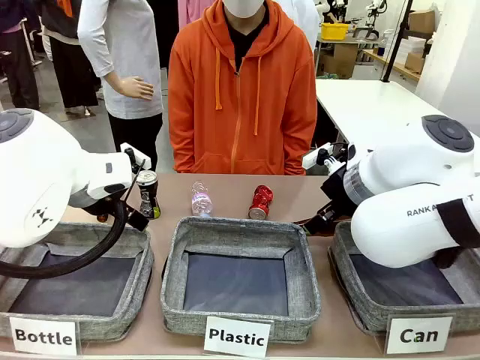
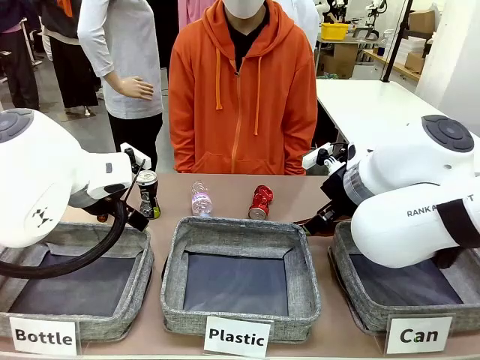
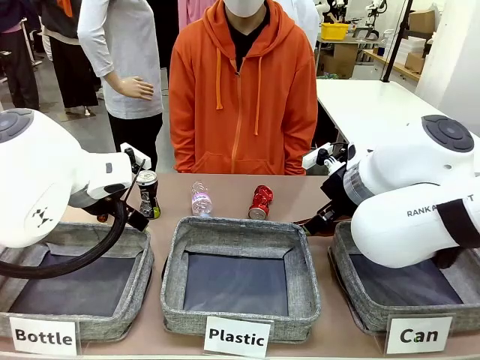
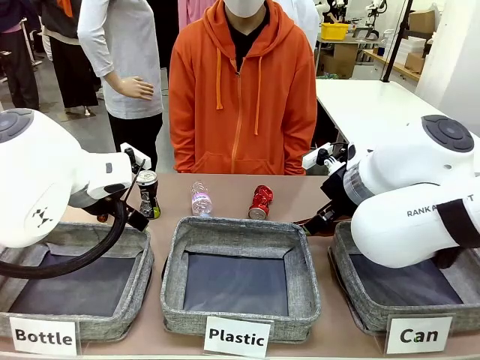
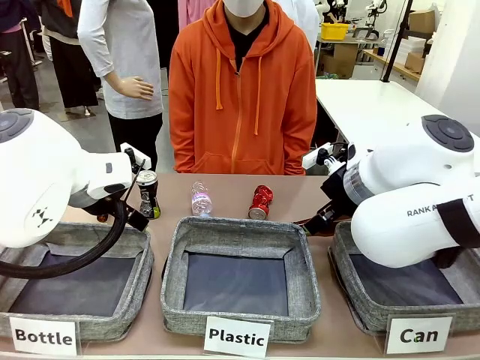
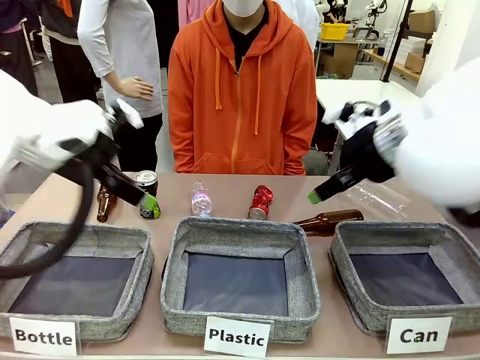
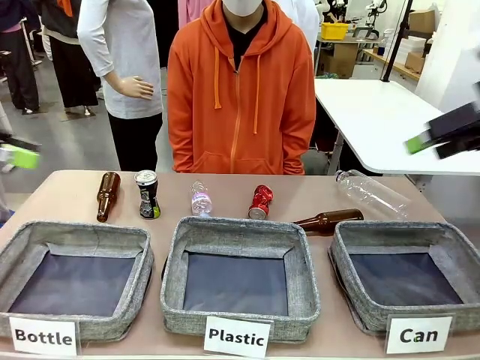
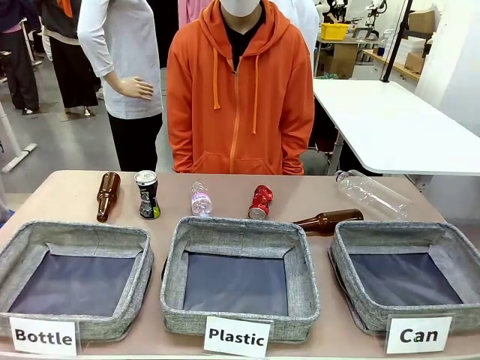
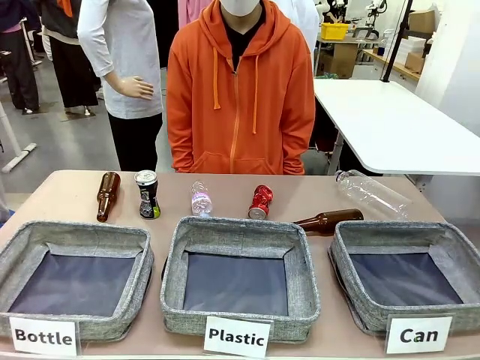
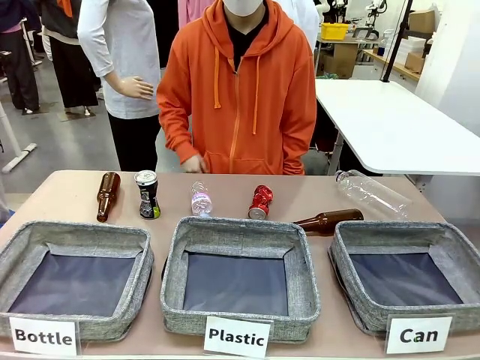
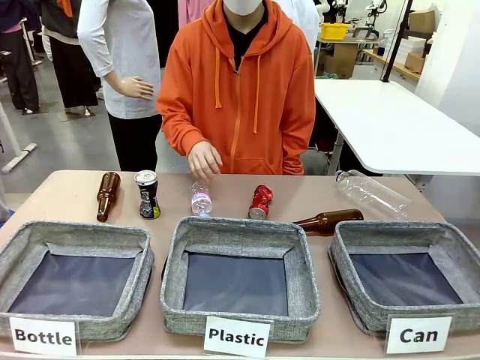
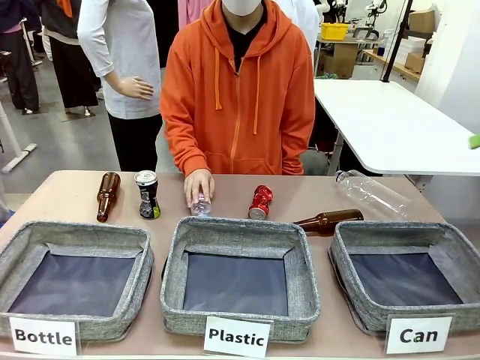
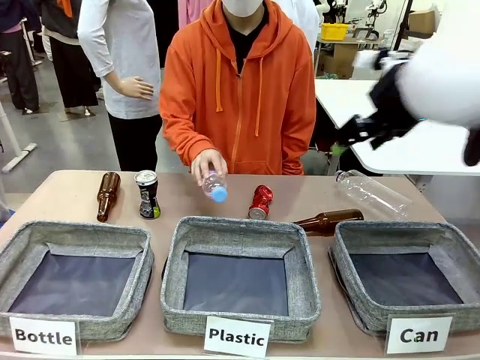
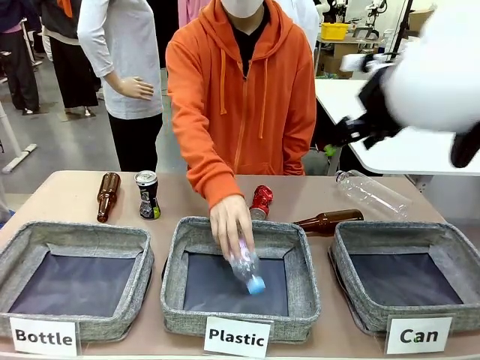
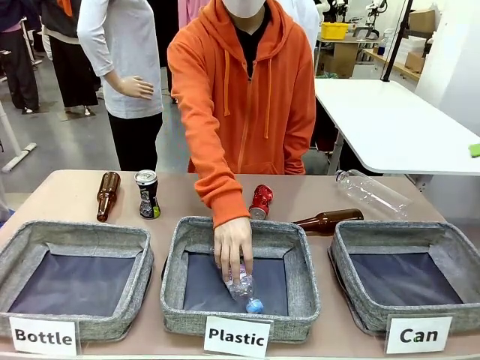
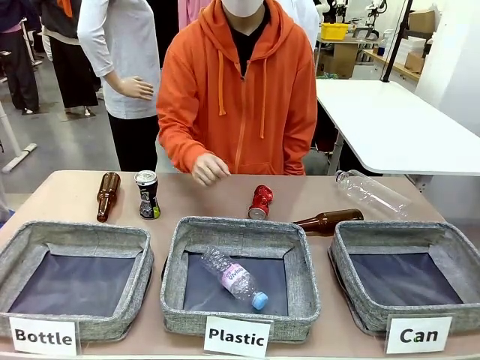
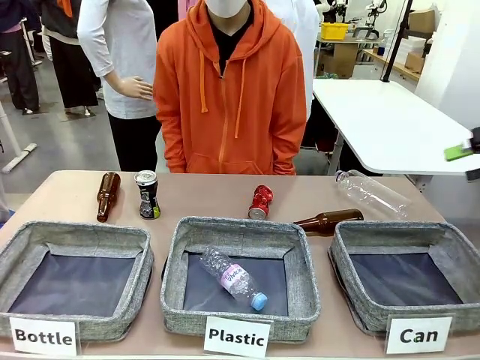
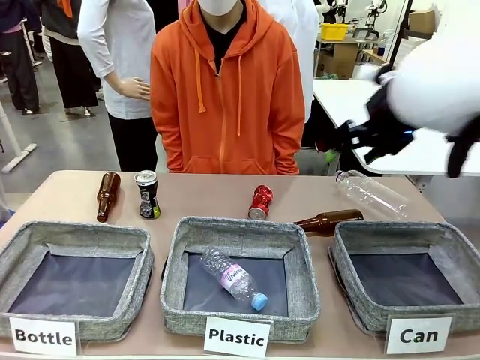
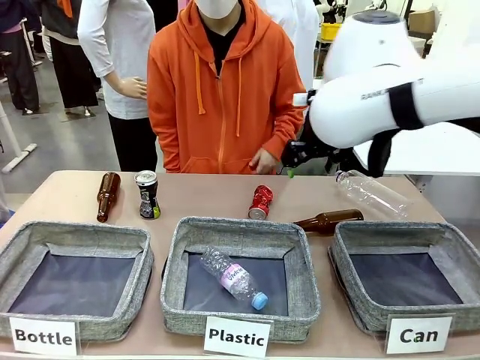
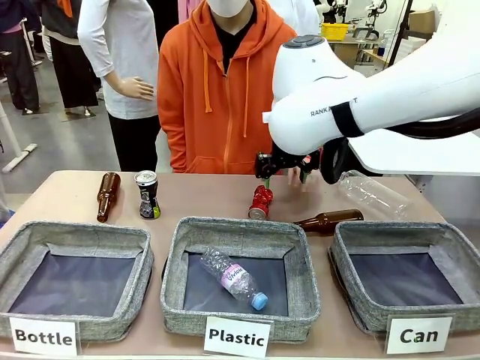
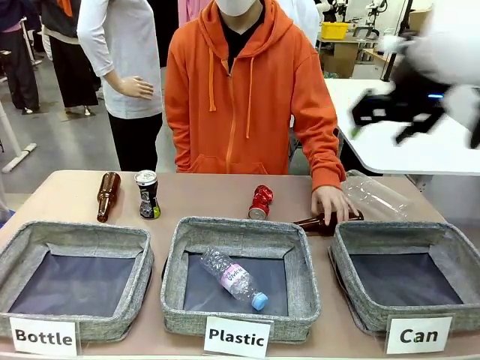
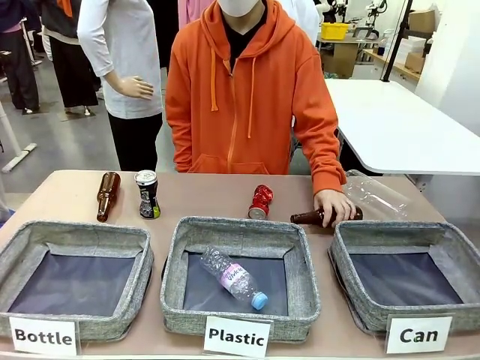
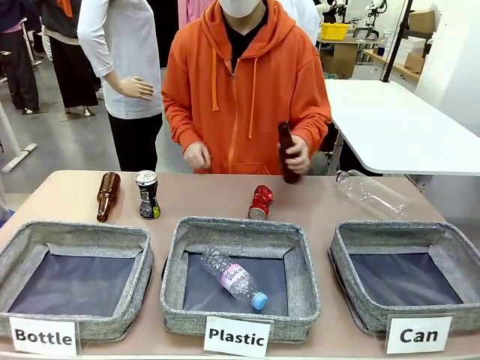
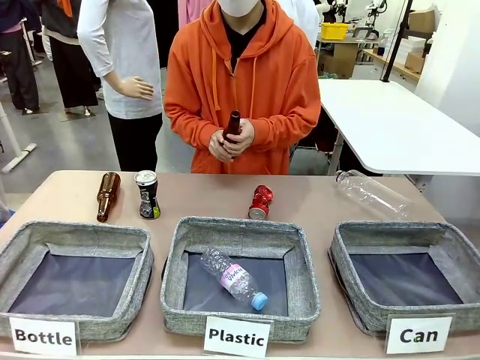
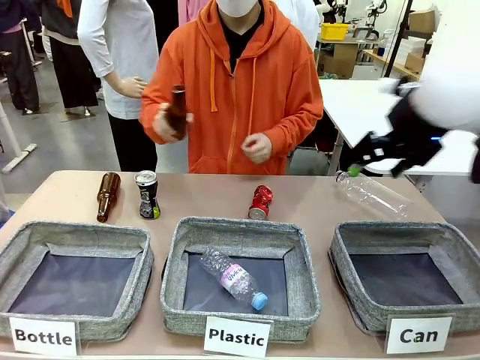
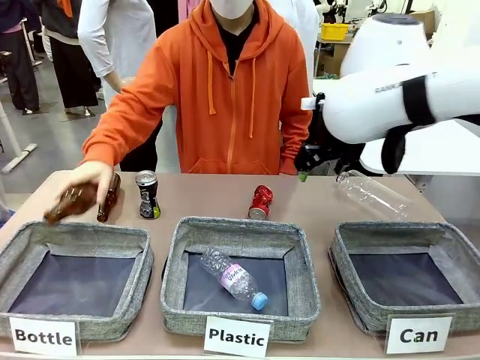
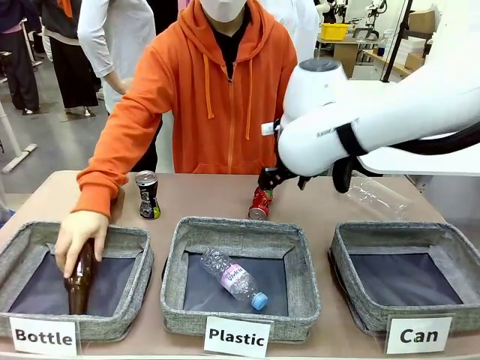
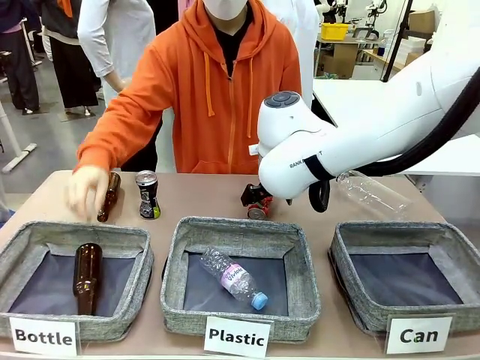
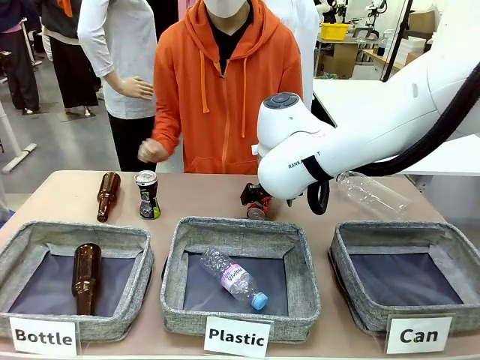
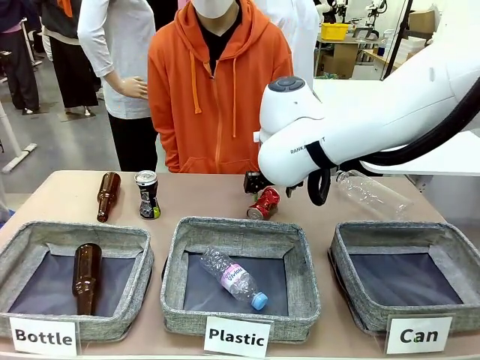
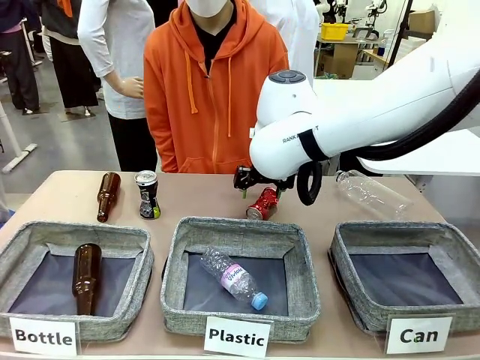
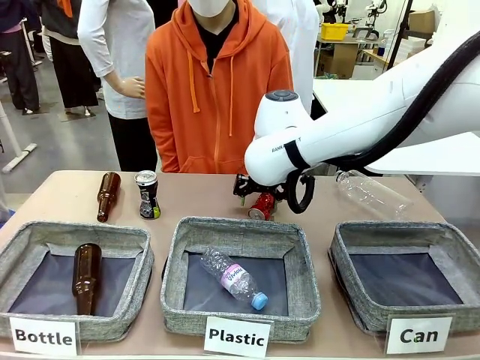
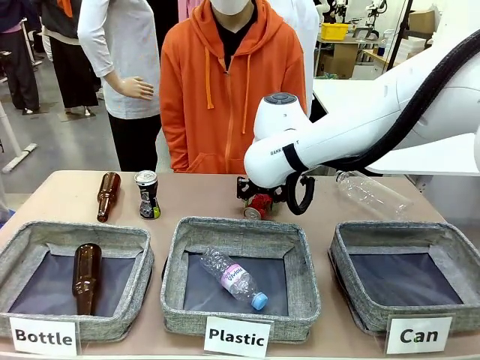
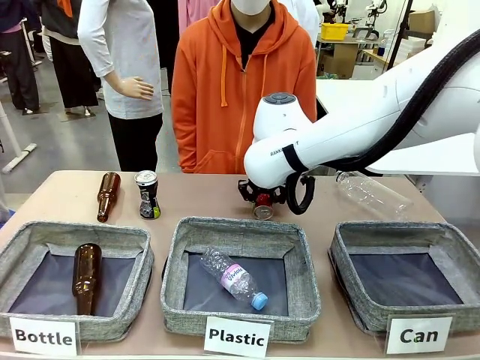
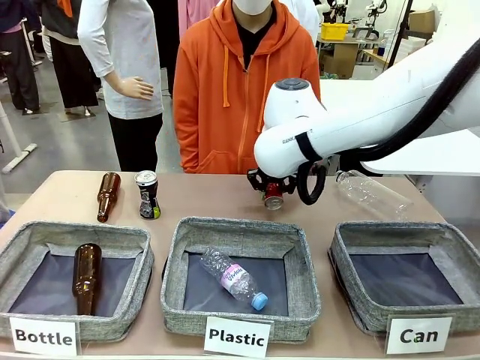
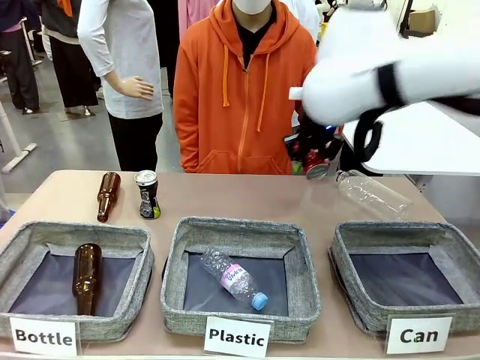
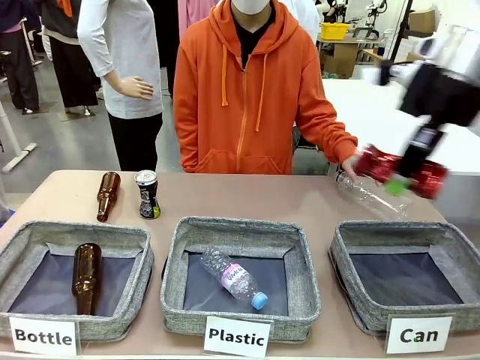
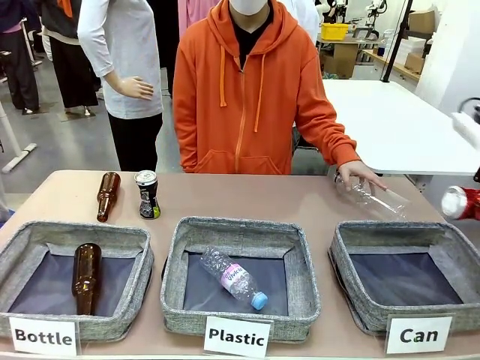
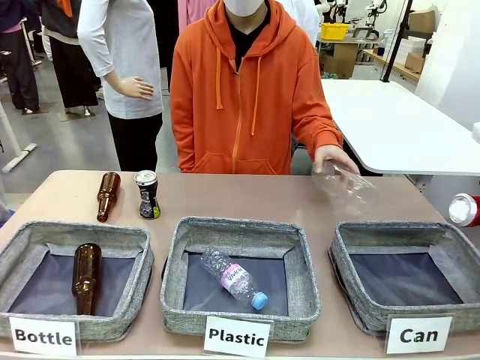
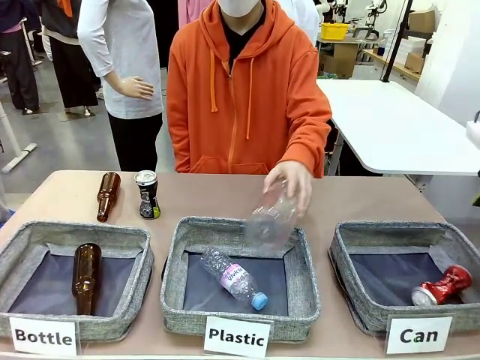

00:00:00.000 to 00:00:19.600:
Task: Sort the can waste into the basket.
Robot: Pick up the can waste from the table and place it in the right Fabric basket.
